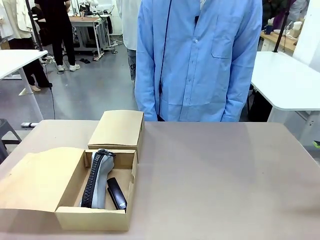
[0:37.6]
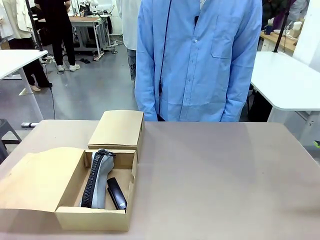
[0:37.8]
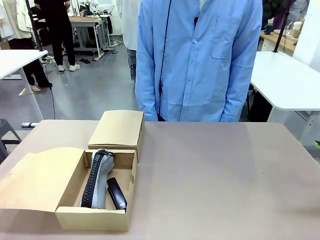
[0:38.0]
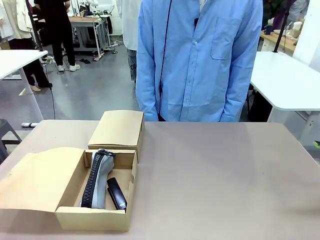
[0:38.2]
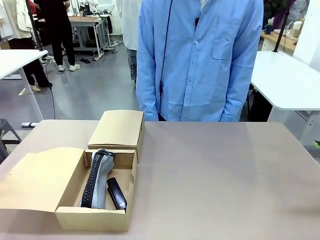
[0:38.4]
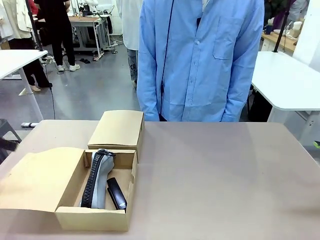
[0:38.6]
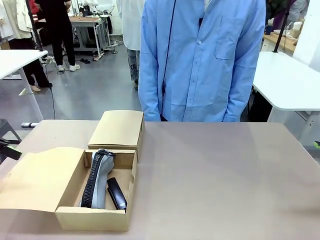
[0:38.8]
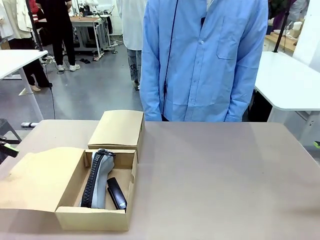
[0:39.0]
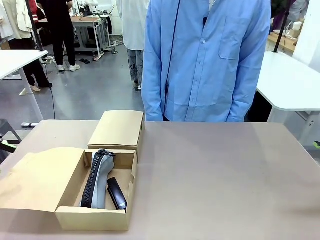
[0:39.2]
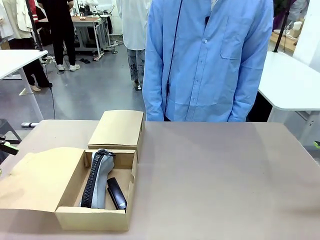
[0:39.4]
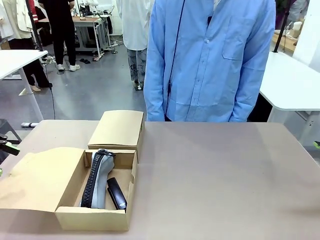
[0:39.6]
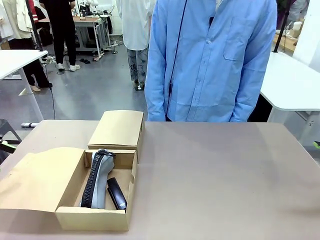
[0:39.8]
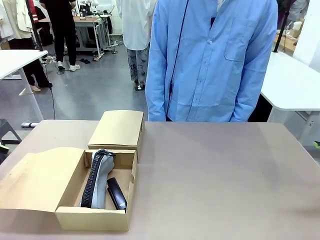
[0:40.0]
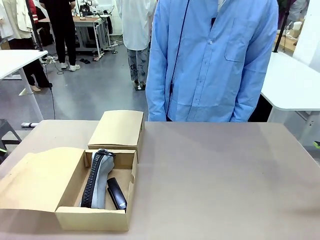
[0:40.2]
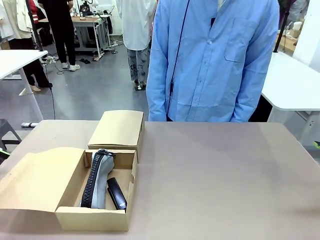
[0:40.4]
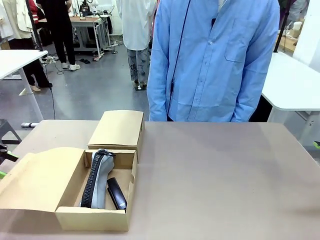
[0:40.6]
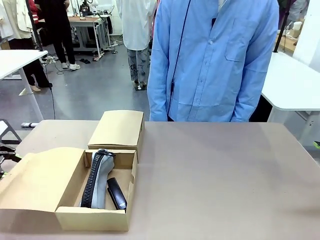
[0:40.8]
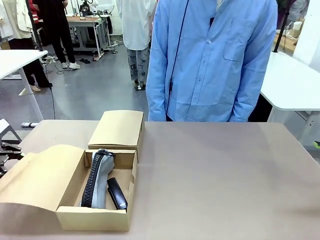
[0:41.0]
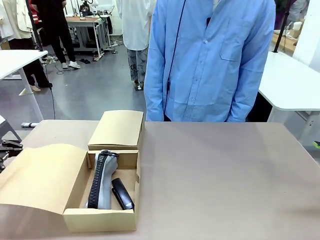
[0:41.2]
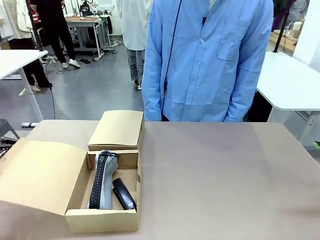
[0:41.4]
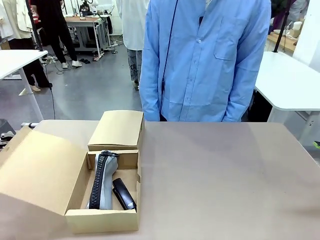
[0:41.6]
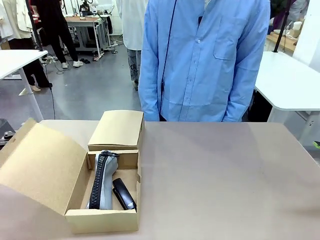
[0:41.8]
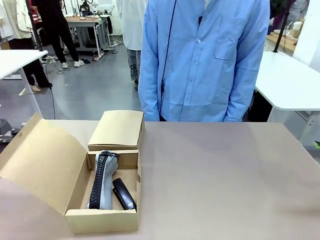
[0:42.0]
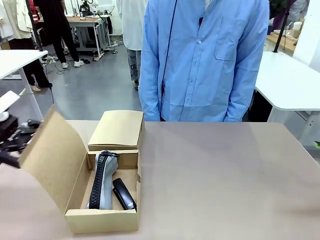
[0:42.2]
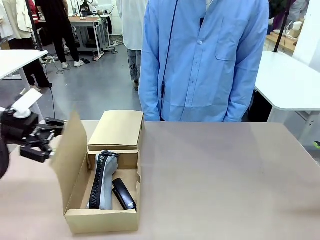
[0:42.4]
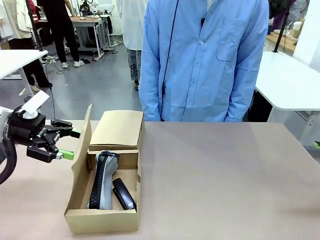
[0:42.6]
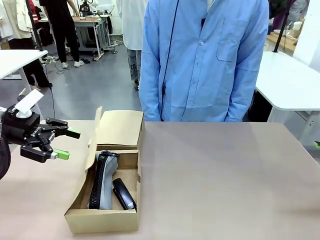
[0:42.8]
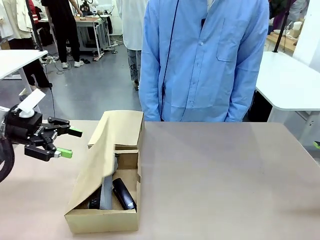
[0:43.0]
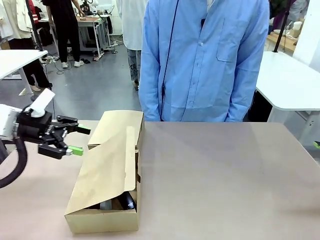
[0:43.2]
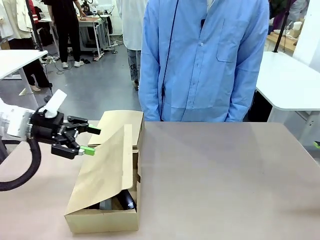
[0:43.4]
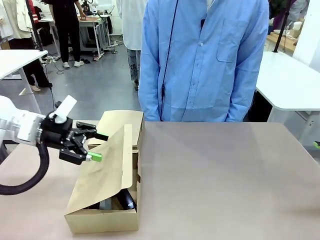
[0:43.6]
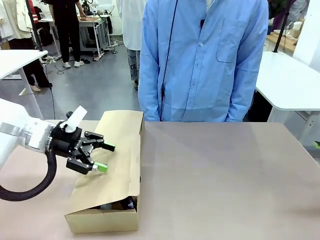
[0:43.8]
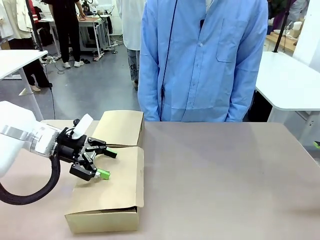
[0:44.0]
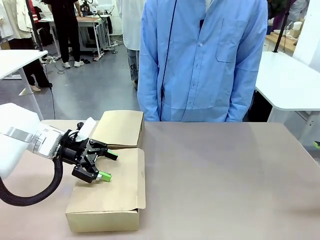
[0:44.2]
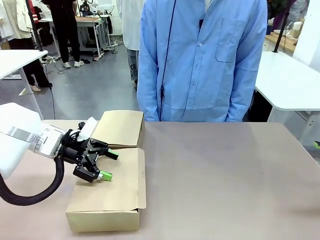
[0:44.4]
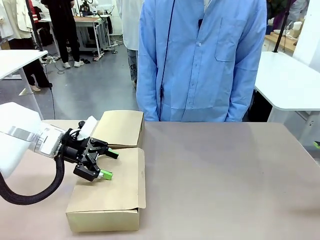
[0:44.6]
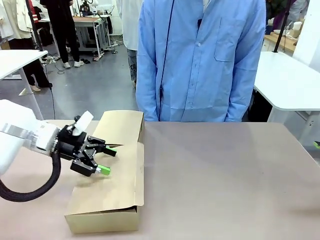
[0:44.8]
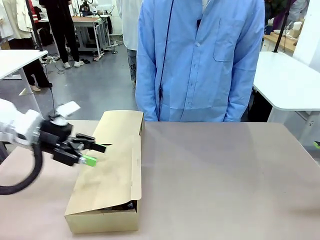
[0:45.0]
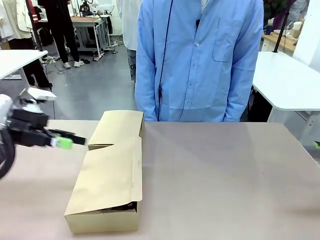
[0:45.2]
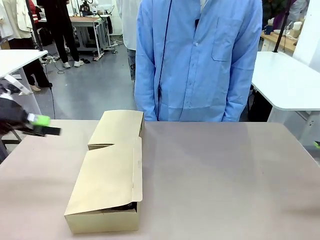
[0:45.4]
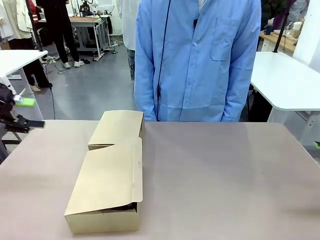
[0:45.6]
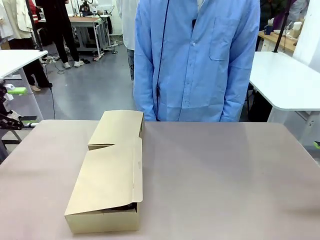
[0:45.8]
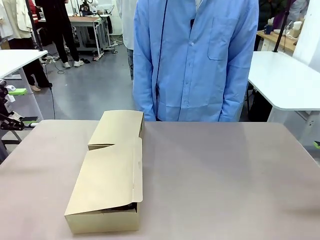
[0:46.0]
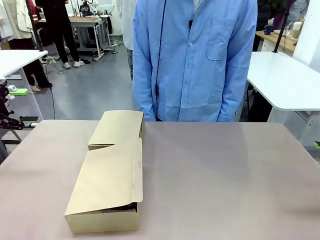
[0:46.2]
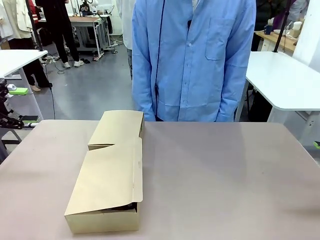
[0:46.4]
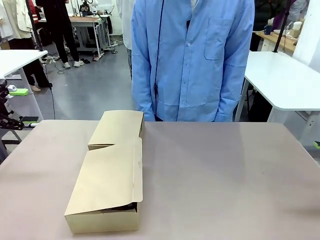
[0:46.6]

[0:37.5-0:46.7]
Task: Place items inside the box.
Robot: Close the lid of the Mailer Box closest to the robot.

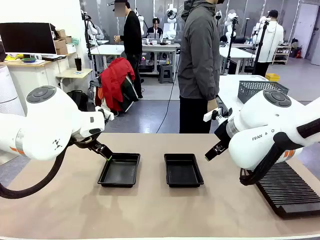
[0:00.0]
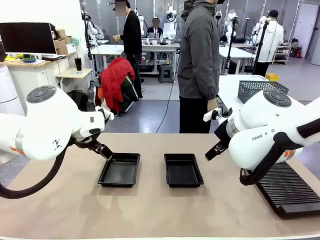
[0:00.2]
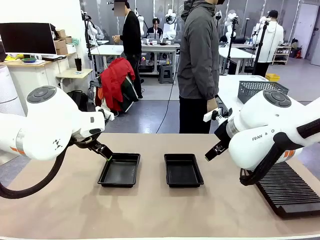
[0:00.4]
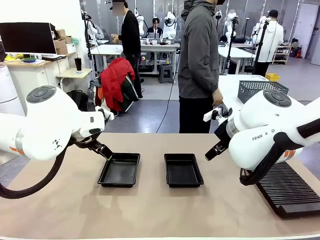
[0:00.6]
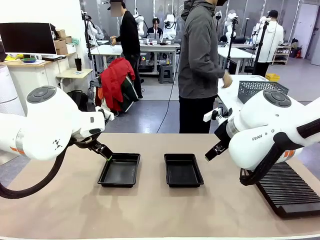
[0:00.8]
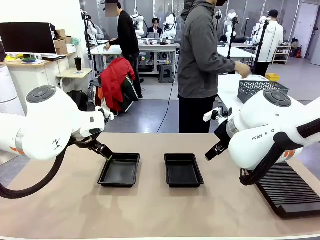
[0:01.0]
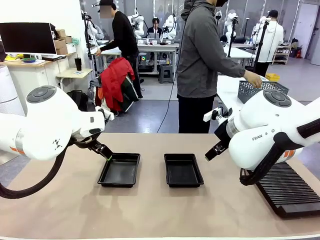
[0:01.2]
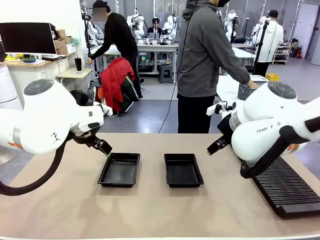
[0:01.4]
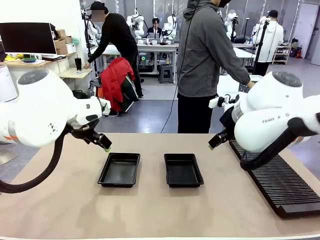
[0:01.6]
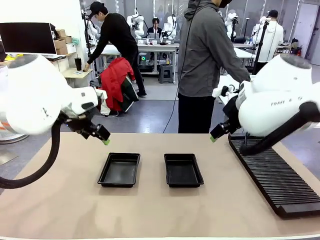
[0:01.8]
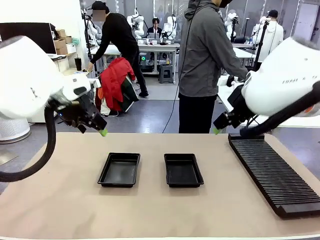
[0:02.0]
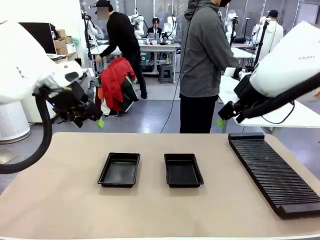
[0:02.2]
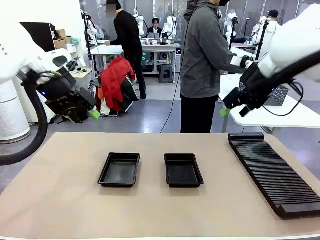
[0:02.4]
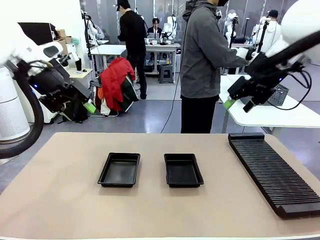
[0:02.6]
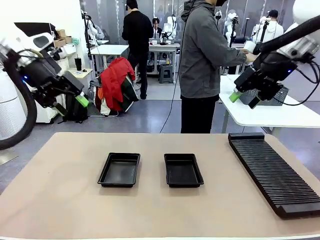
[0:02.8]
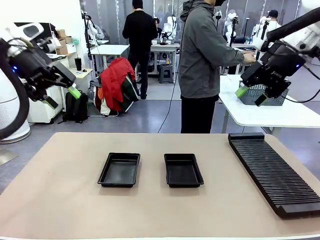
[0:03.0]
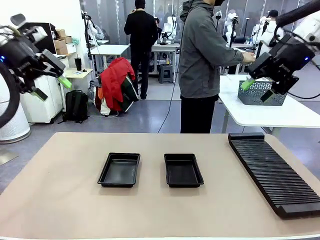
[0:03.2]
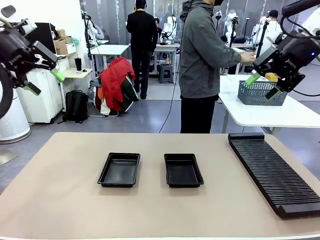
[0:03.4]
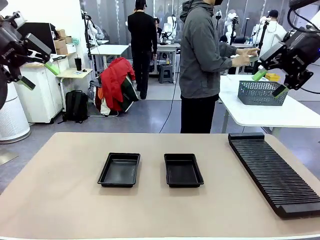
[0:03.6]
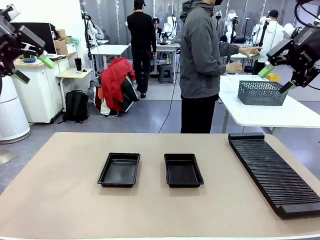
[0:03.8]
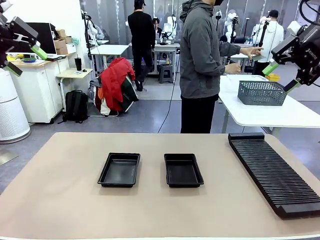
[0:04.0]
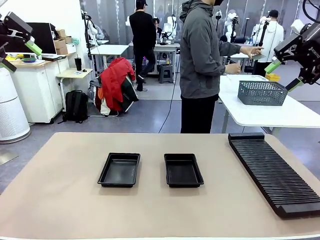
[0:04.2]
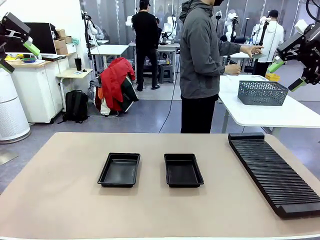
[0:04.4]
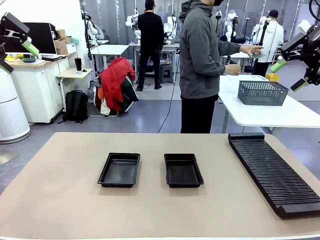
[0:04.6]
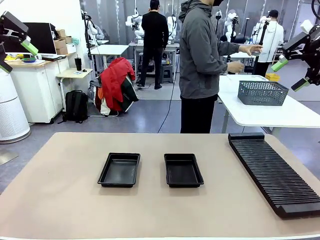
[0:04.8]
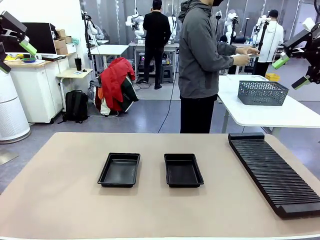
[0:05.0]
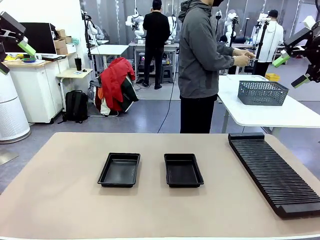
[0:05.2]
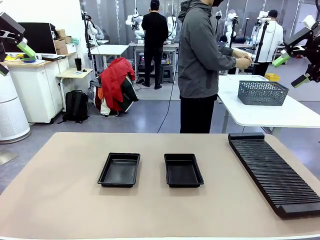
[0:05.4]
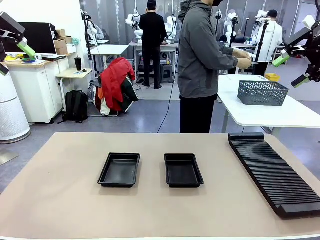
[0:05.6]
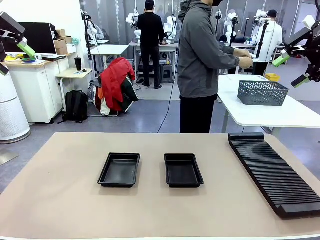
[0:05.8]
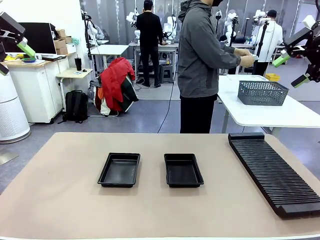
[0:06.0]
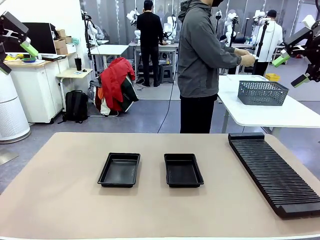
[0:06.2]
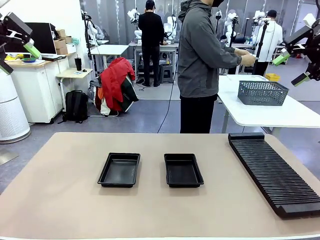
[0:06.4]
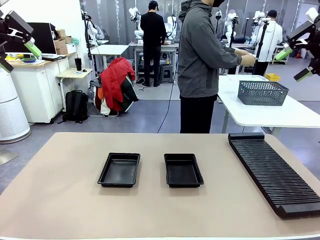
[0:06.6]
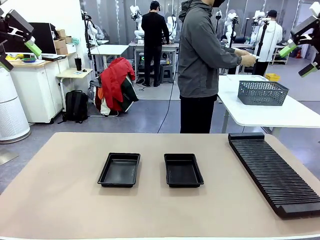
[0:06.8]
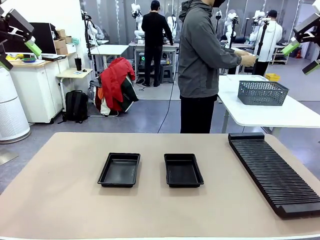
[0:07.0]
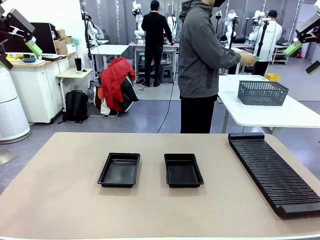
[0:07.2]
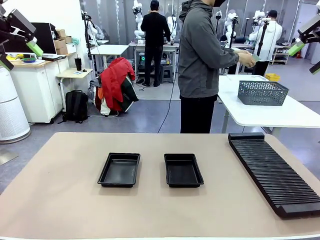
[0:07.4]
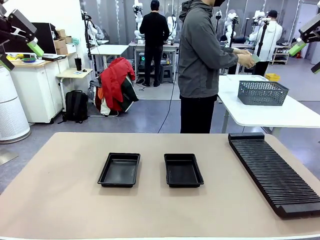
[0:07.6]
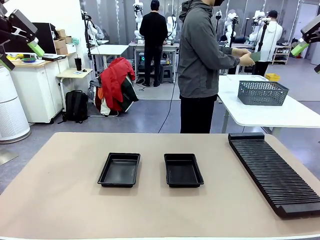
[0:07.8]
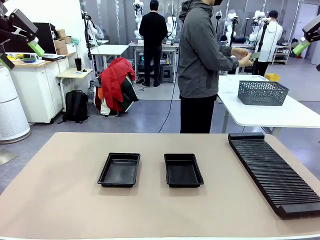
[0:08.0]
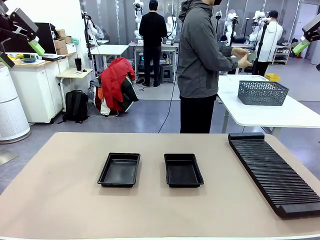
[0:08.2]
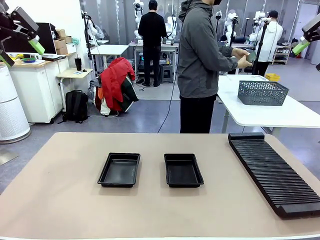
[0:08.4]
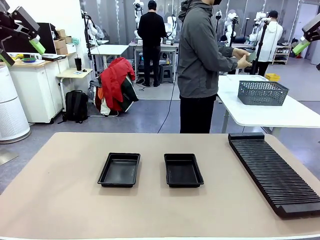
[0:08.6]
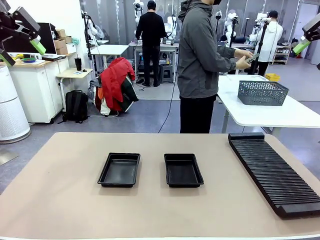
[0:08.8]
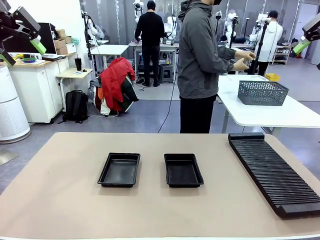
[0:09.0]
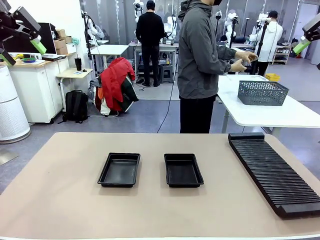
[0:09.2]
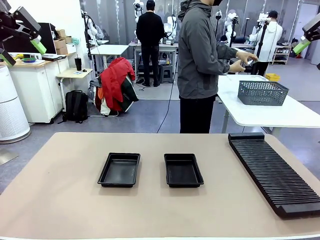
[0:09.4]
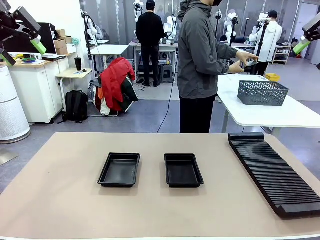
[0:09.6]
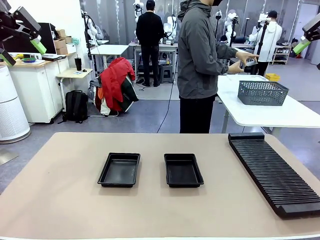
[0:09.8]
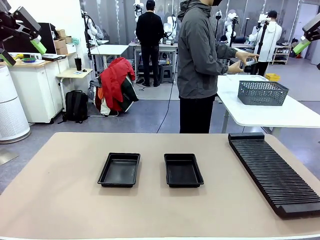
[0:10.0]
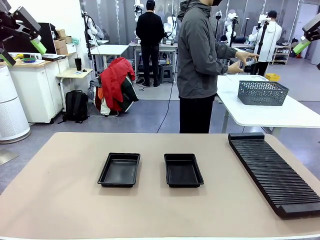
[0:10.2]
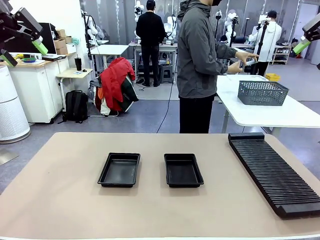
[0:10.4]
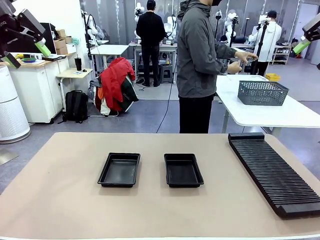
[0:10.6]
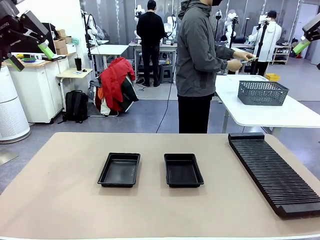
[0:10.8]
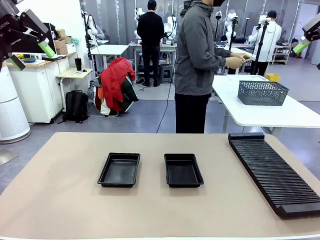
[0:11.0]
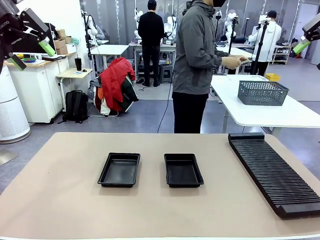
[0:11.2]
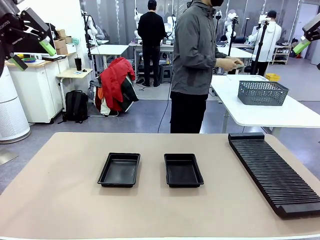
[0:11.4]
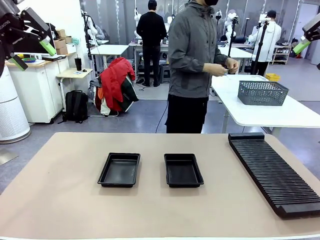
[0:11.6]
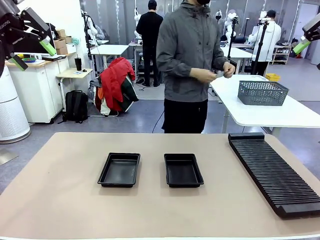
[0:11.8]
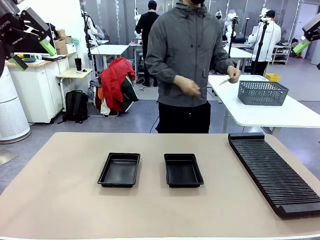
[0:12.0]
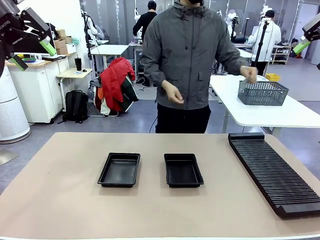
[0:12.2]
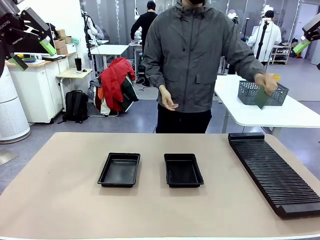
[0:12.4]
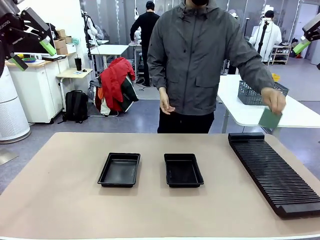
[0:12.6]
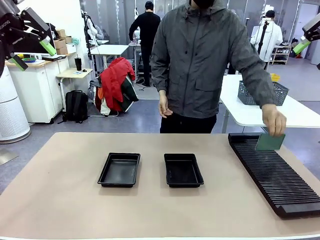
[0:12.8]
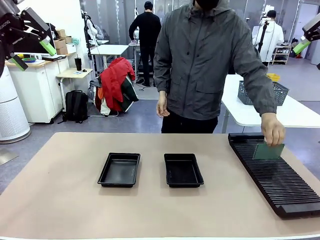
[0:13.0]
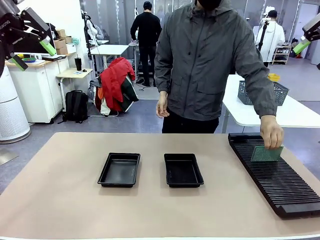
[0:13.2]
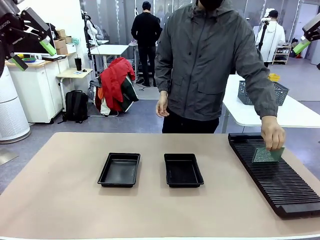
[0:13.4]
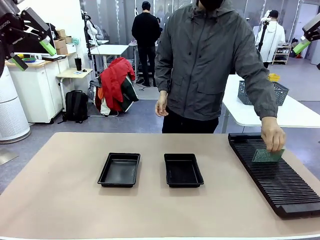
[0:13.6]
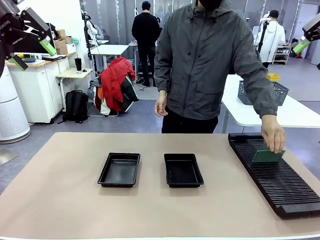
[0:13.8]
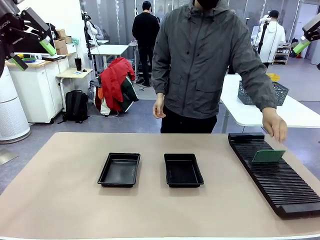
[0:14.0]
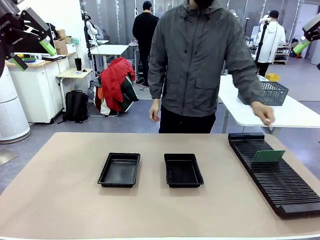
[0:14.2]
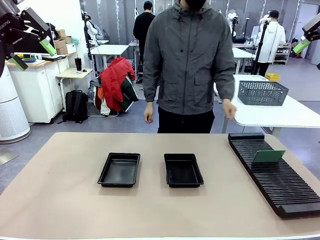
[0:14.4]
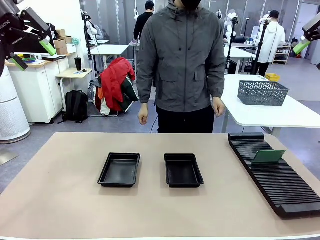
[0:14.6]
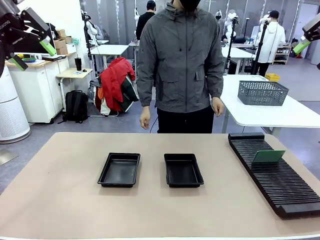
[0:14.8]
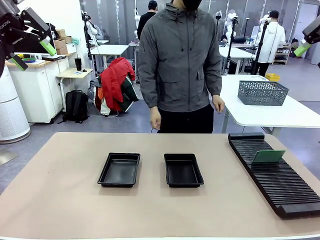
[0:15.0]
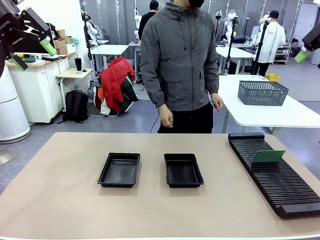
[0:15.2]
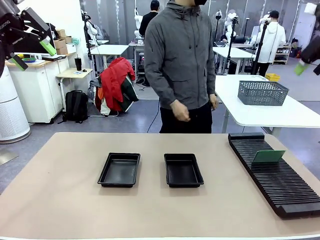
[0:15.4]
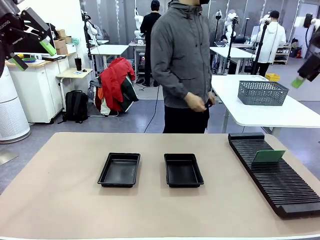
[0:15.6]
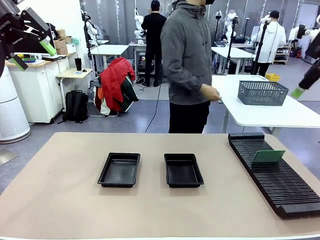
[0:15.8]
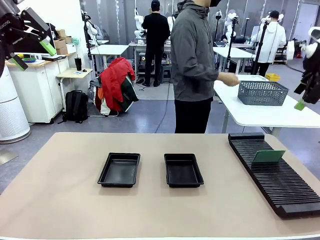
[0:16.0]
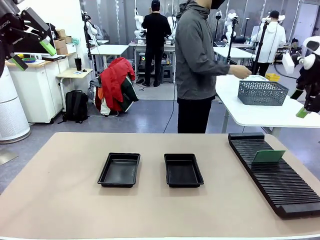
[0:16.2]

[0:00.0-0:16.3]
Task: Inspect and transfer BCBs to ESD trays.
Robot: Pick up the Blank PCB from the PCB Rack and place it in the left ESD tray.
